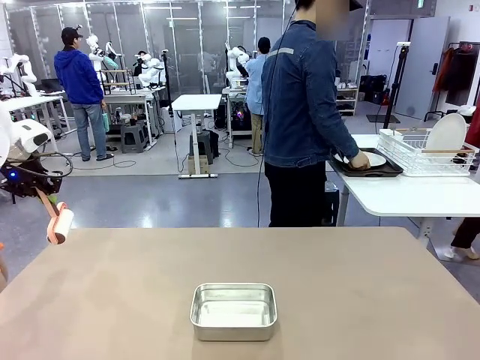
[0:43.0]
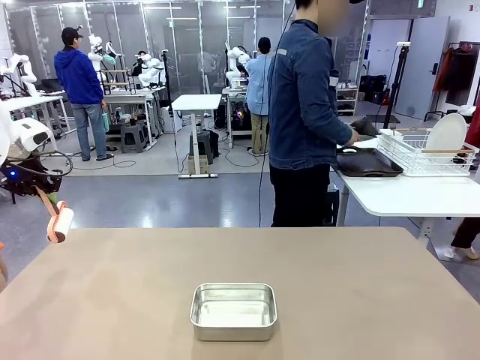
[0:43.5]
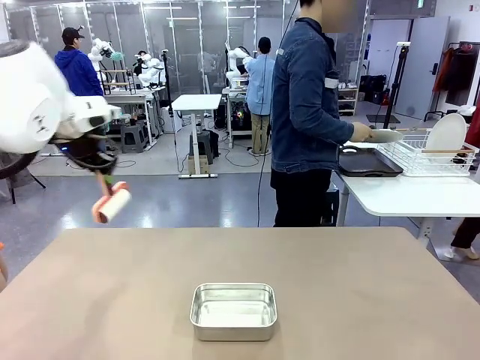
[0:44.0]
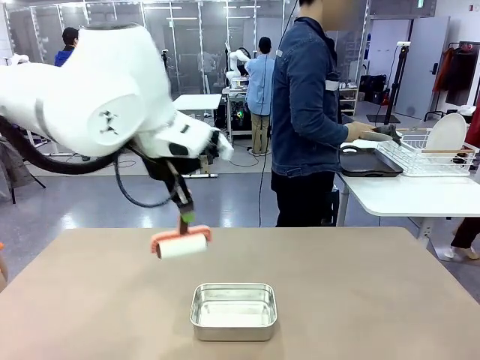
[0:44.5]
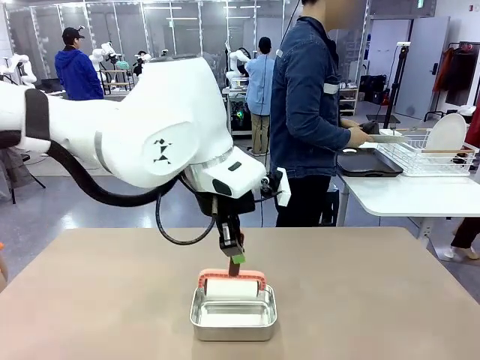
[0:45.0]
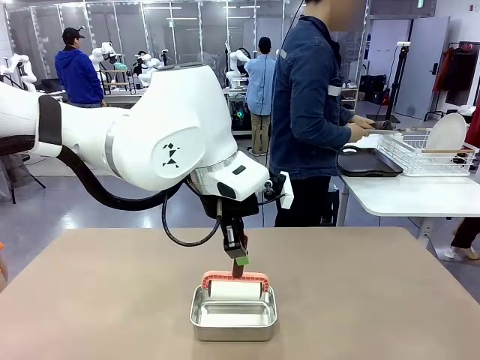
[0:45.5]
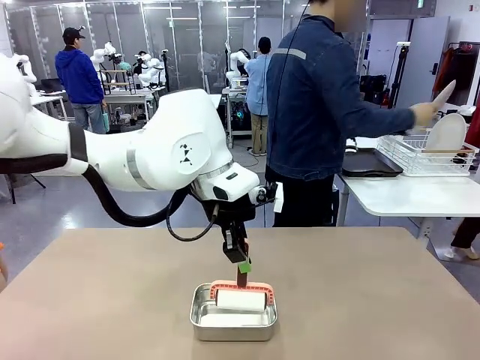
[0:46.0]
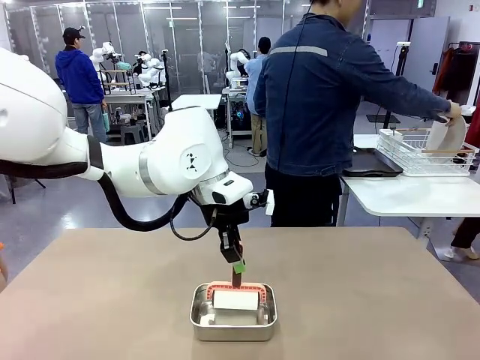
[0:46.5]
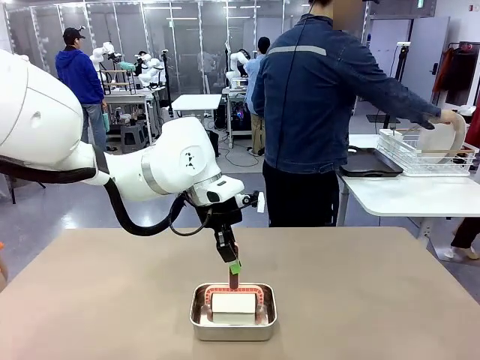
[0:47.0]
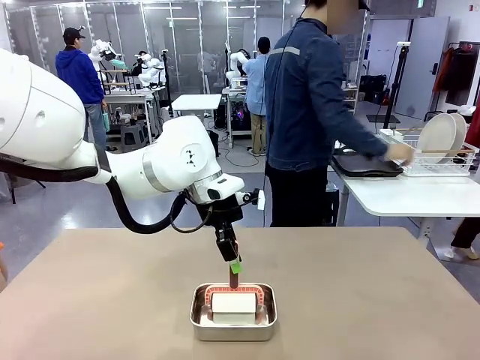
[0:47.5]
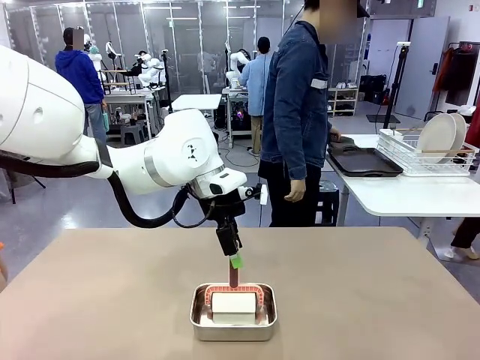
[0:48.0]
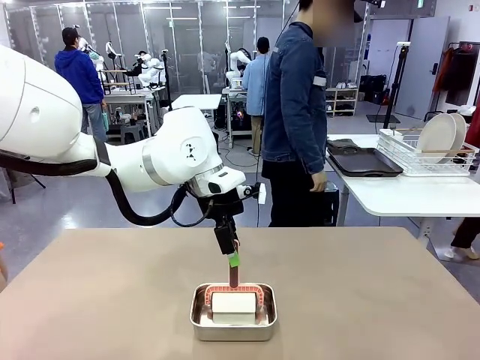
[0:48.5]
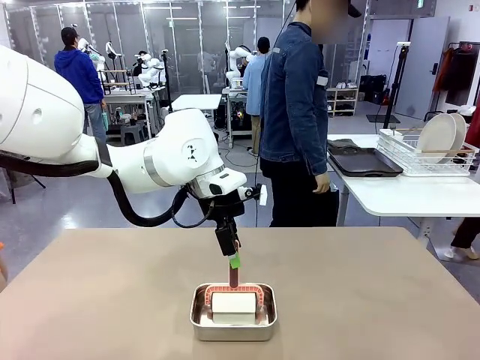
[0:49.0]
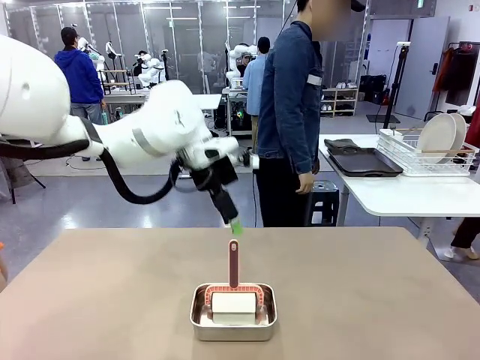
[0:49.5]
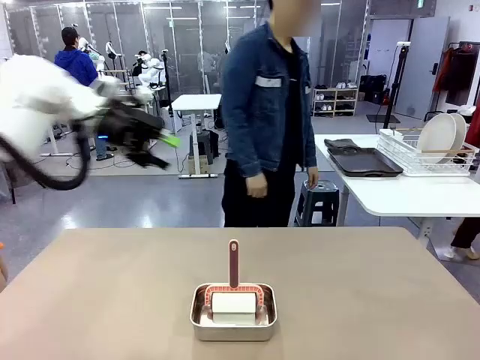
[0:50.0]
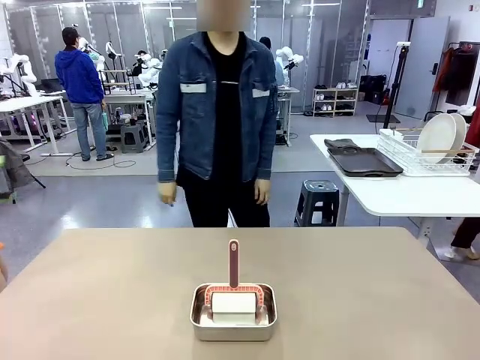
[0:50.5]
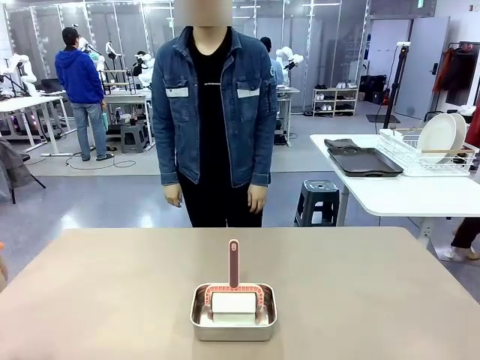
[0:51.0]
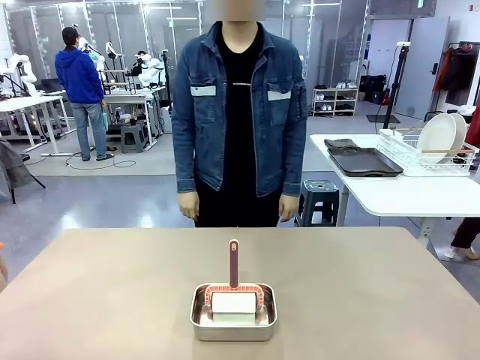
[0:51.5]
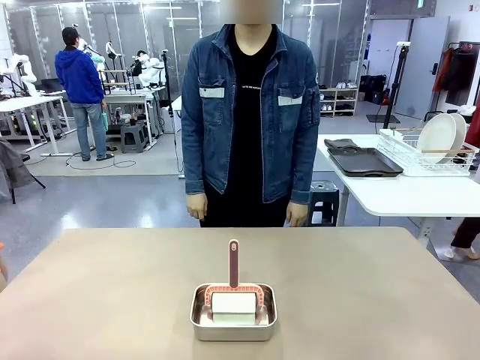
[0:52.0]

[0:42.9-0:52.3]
Robot: Place the Lint Roller back on top of the Airtight Container.

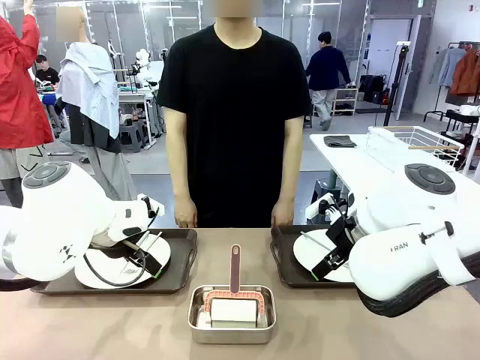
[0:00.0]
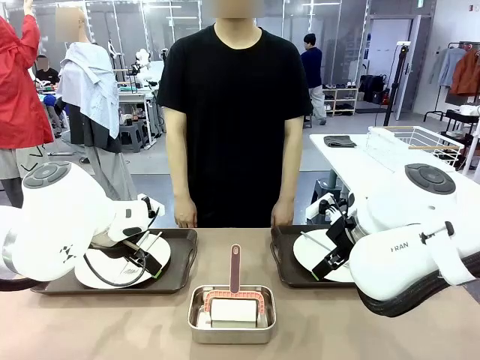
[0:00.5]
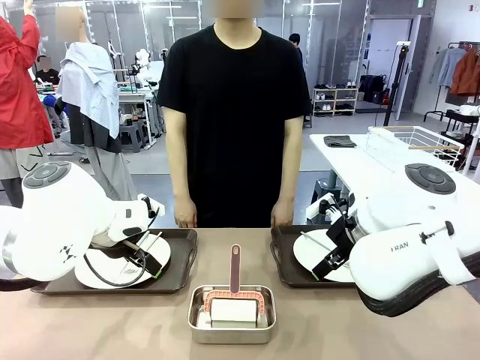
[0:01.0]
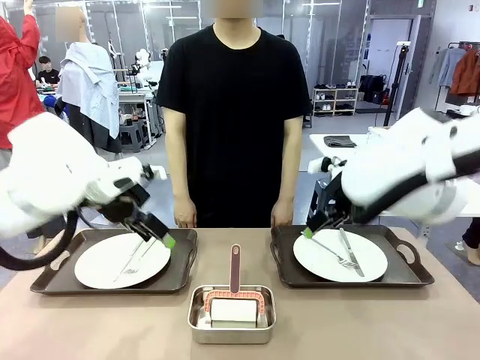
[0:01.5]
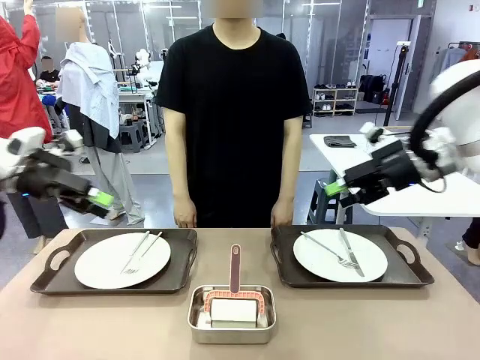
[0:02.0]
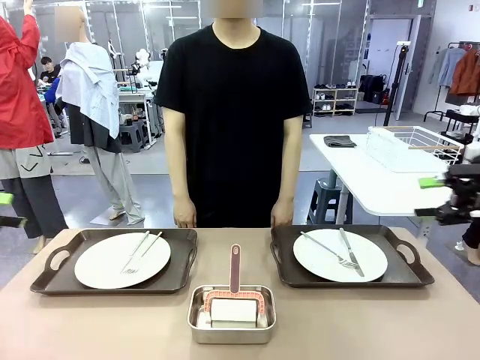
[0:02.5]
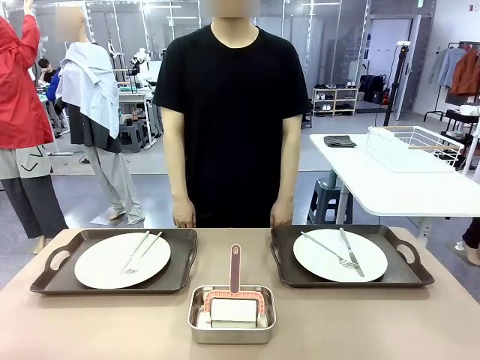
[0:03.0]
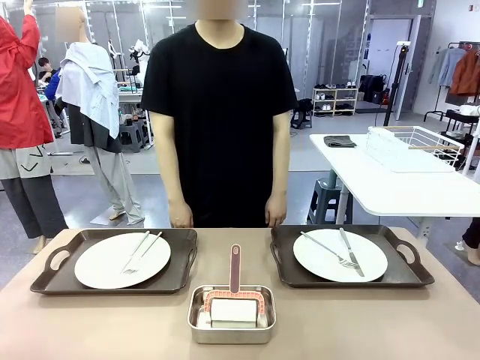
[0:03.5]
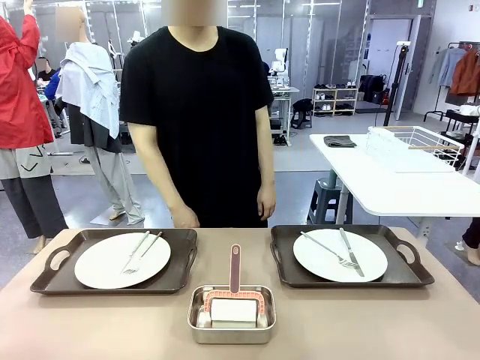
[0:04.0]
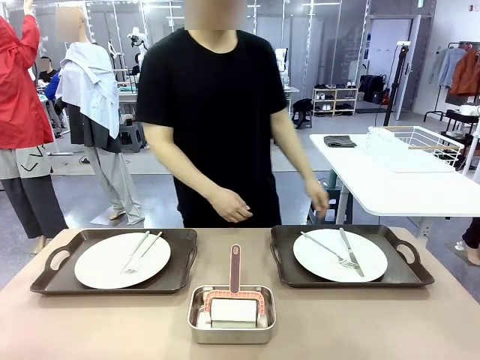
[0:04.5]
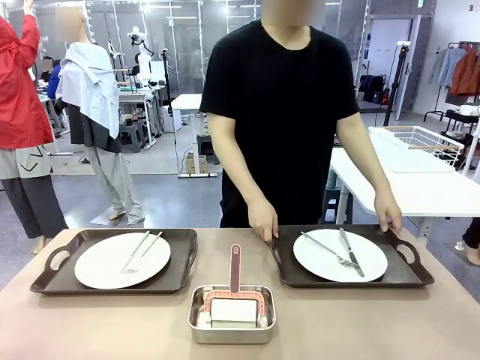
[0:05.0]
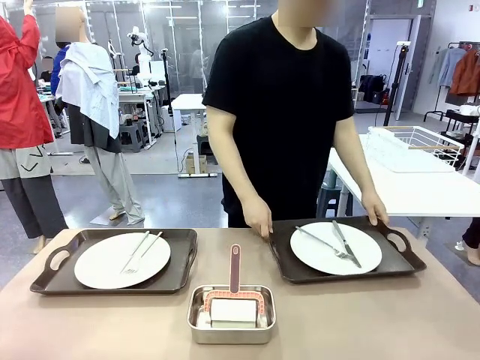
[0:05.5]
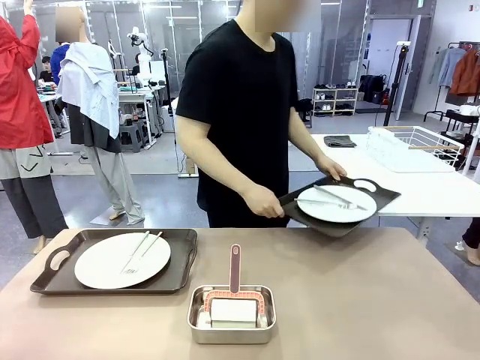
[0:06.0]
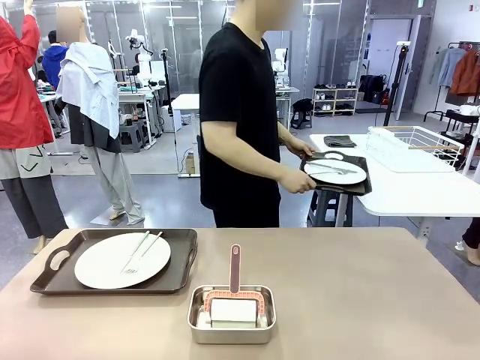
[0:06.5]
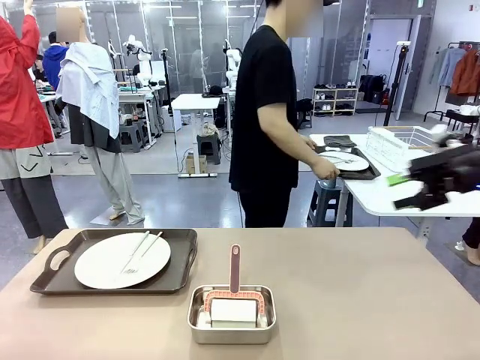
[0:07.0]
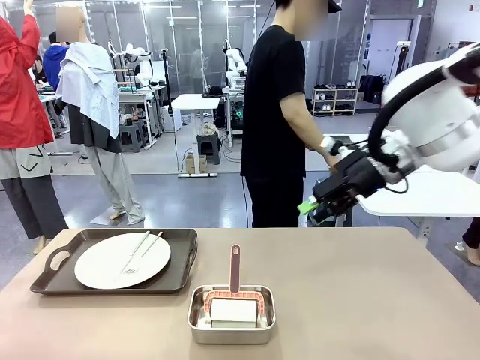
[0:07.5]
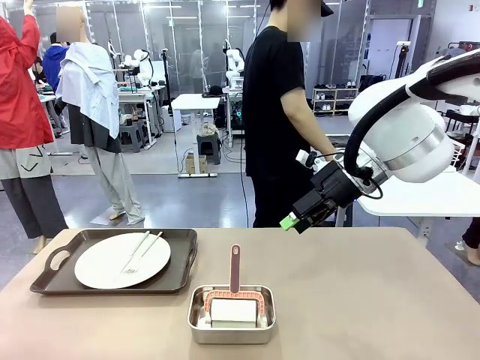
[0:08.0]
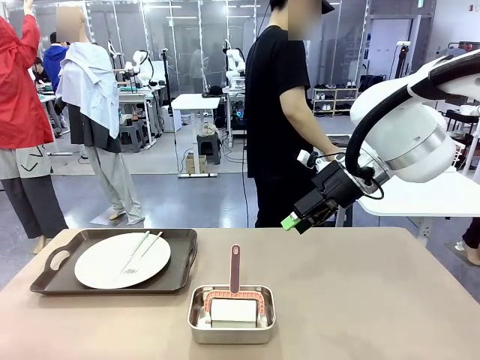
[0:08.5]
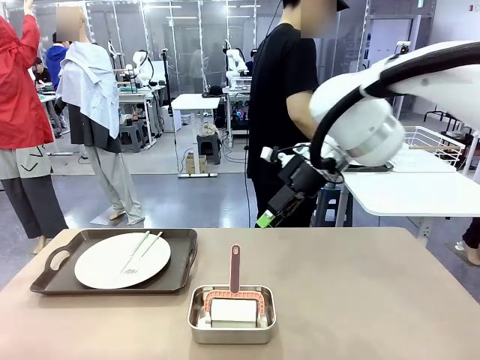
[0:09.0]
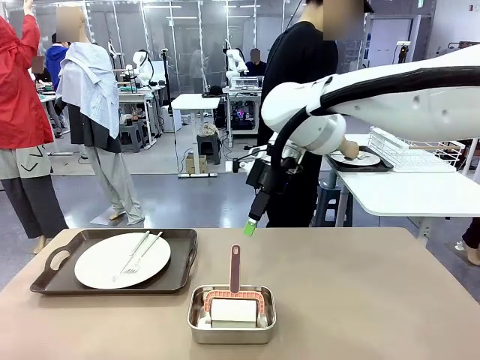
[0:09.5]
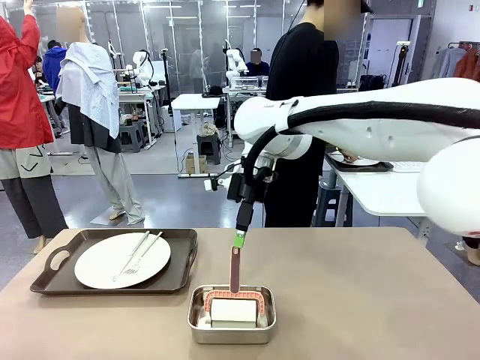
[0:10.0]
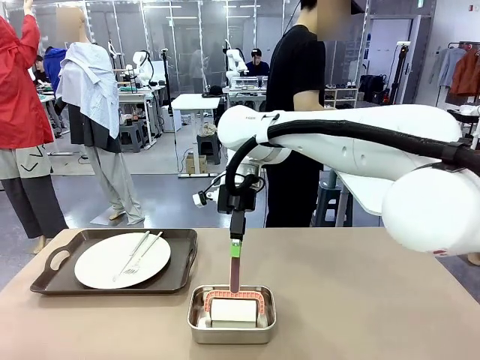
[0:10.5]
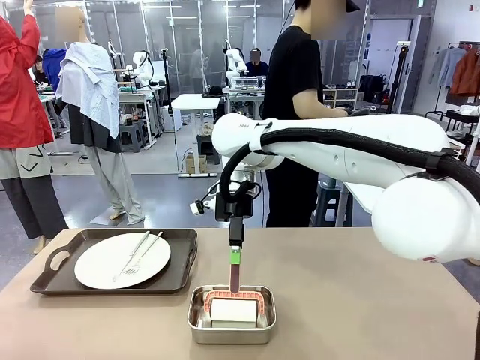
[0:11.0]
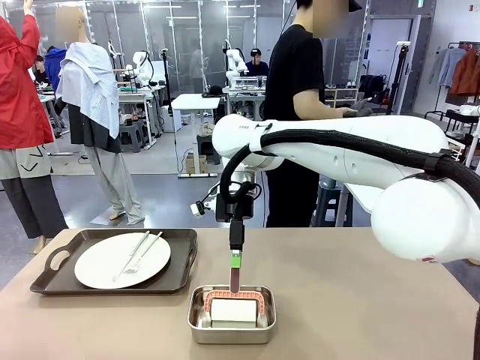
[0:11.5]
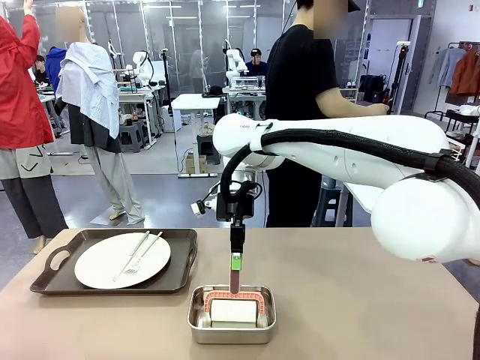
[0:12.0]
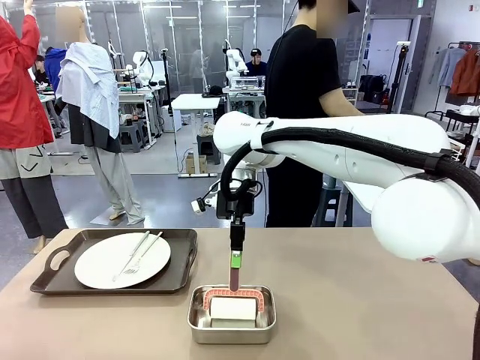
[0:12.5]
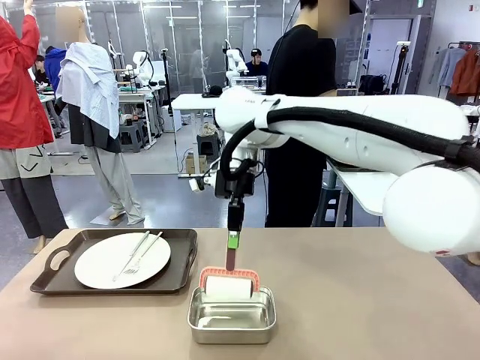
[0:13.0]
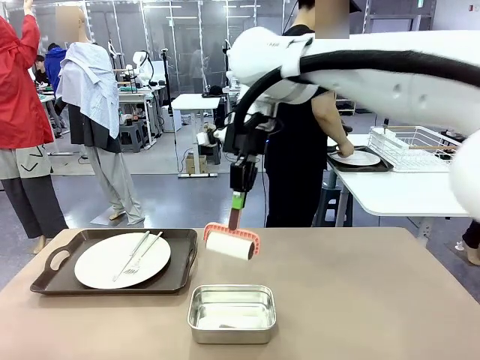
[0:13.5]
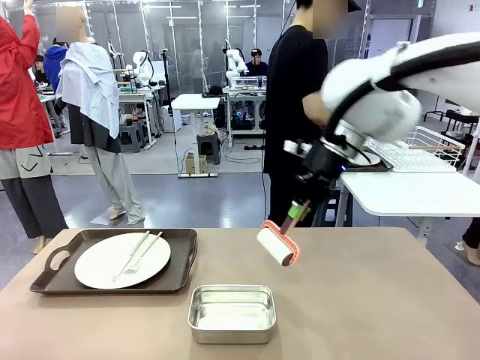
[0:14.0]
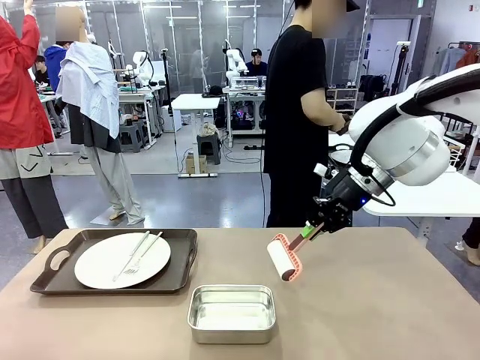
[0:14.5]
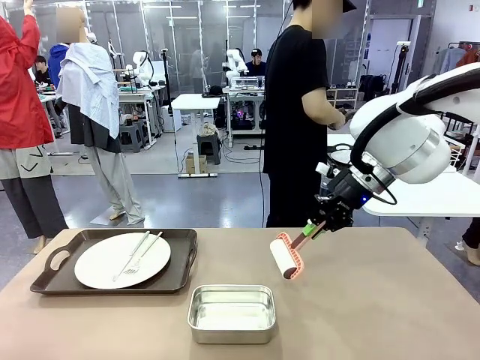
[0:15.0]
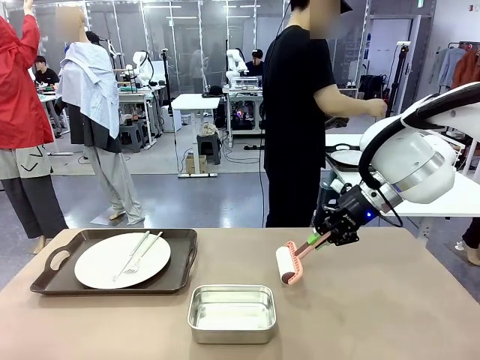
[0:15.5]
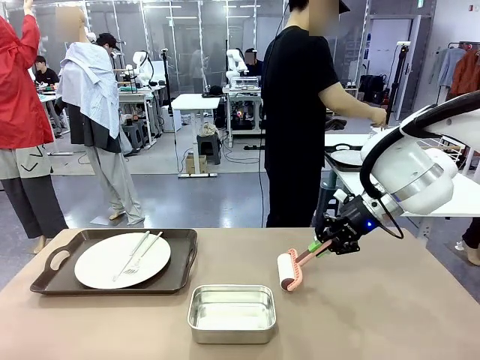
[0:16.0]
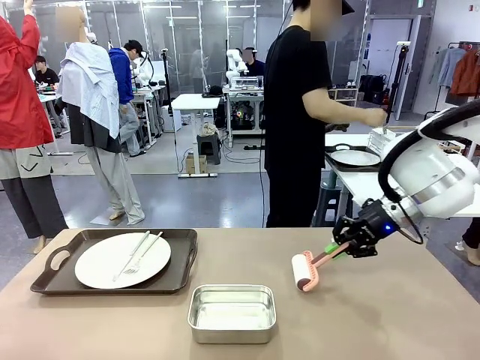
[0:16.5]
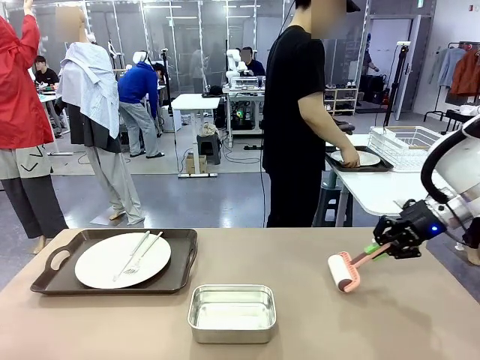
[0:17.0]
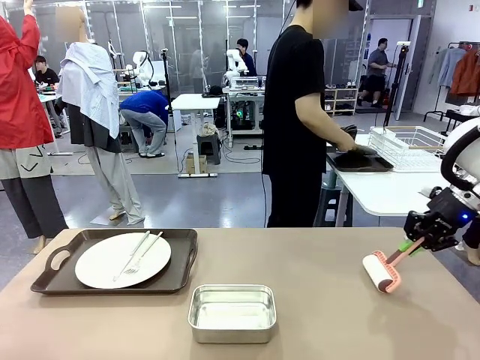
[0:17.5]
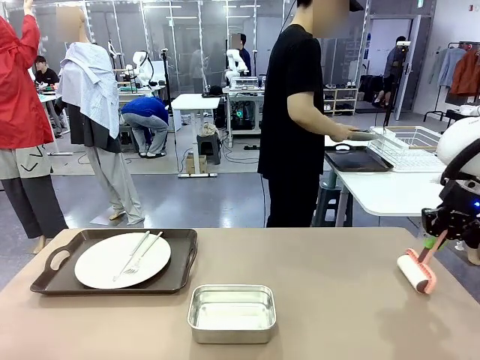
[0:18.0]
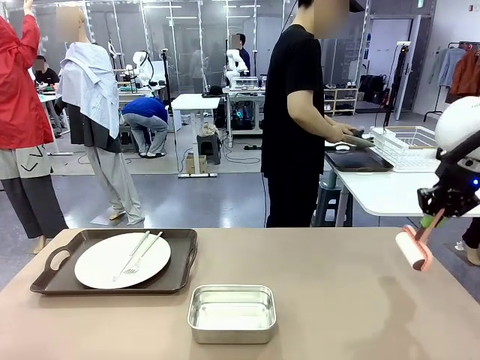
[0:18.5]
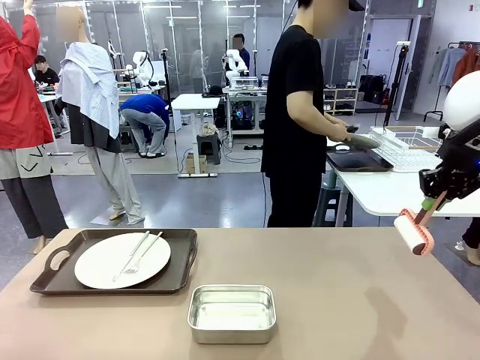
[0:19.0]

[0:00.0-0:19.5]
Robot: When the left (or right) Handle tray is removed, use the left hand (or right hand) to clean the left (or right) side of the table with the Lint Roller.
Person: Pick up the left (or right) Handle tray and place it on the middle of the Human's table. Use the Towel with hook to wipe the Plastic Matte Plate , Fork , and Knife and place into the Dish drying rack.
